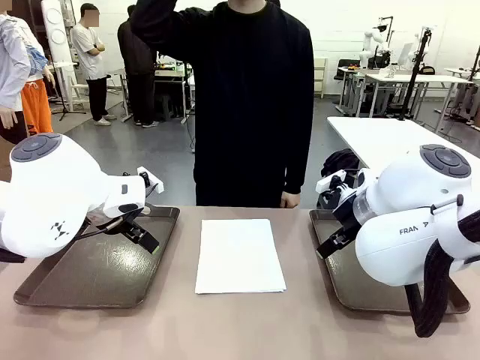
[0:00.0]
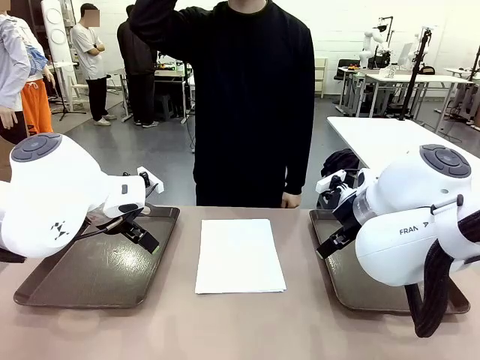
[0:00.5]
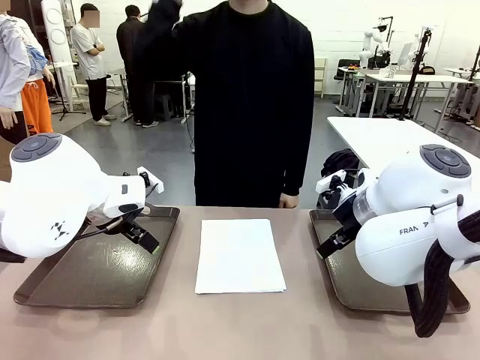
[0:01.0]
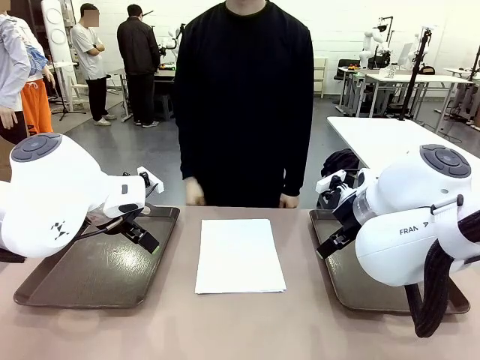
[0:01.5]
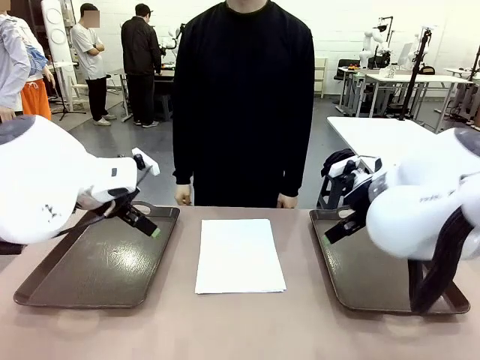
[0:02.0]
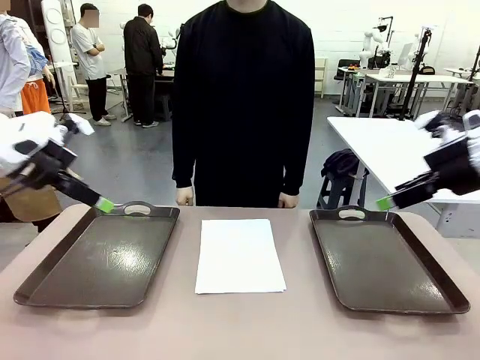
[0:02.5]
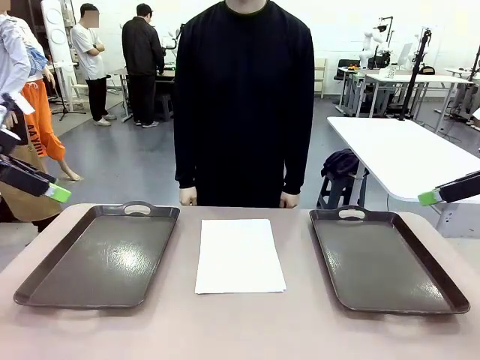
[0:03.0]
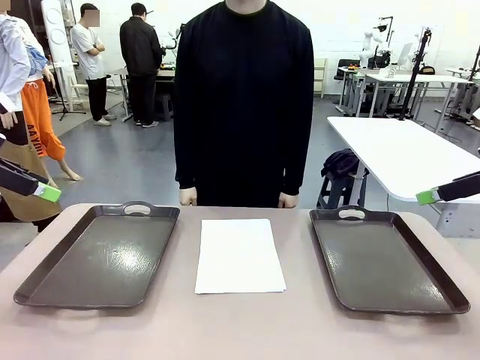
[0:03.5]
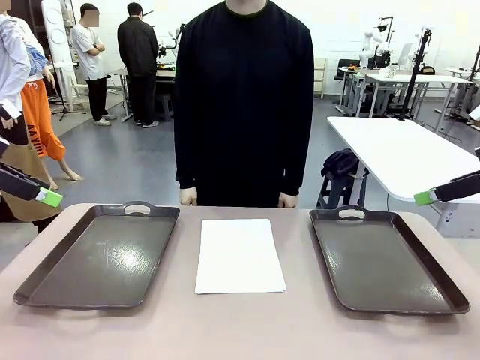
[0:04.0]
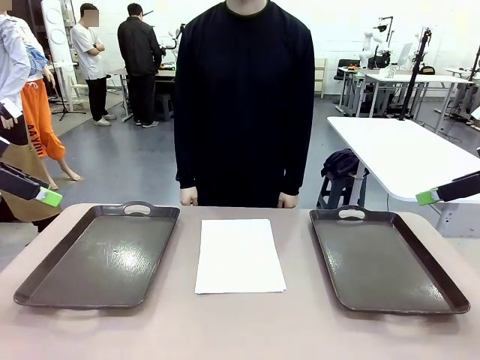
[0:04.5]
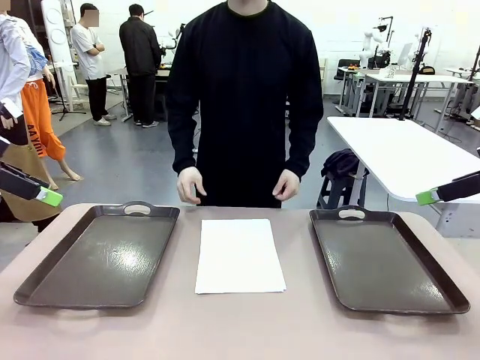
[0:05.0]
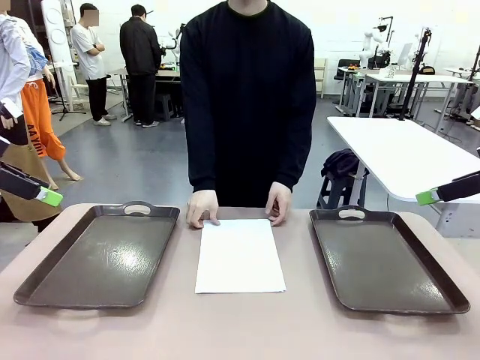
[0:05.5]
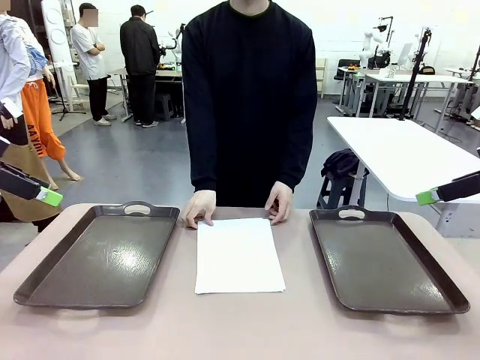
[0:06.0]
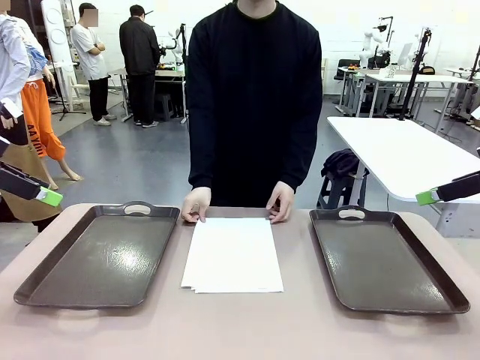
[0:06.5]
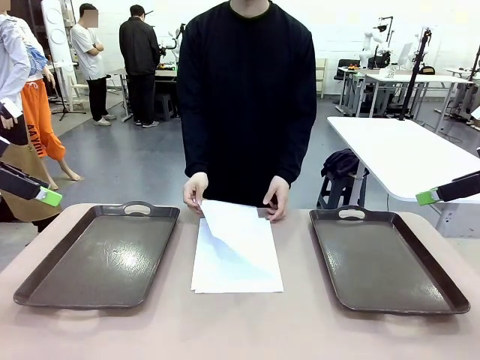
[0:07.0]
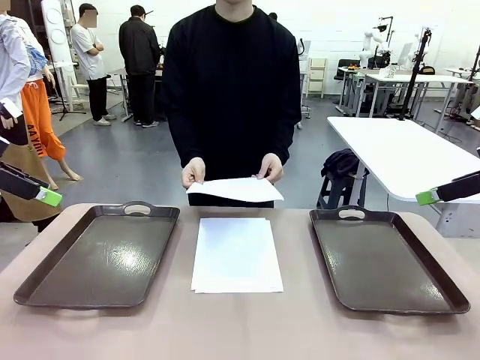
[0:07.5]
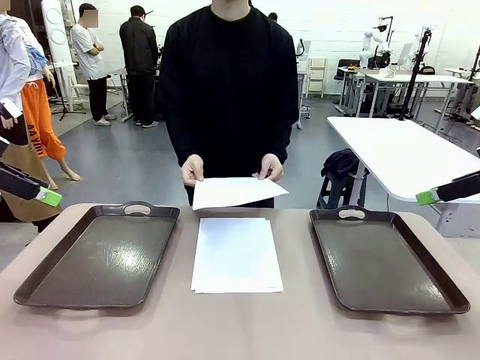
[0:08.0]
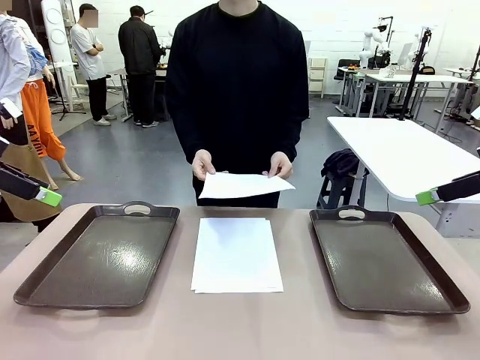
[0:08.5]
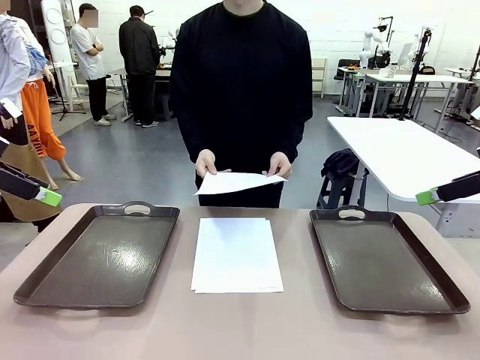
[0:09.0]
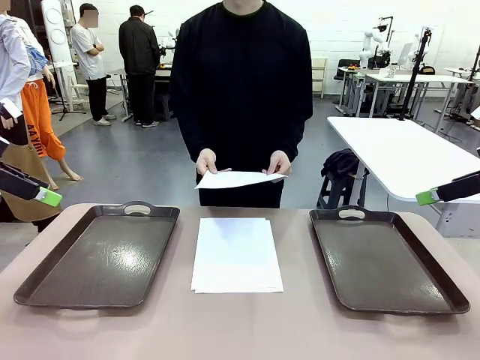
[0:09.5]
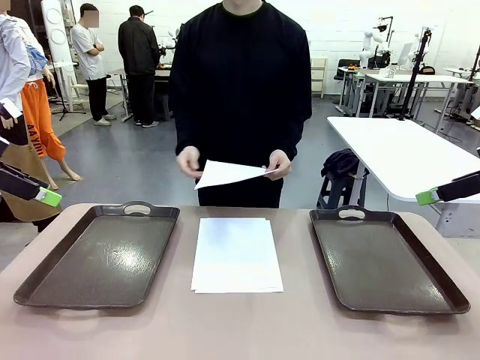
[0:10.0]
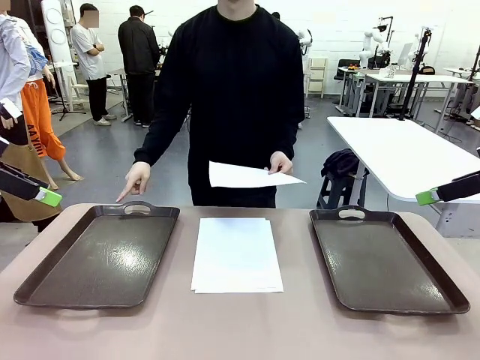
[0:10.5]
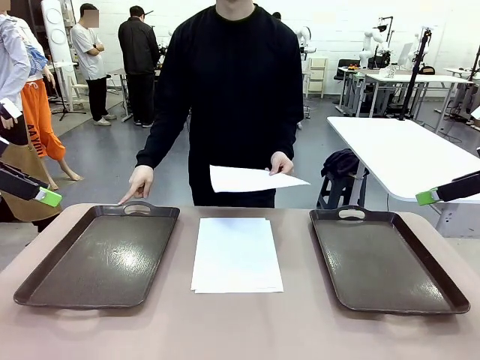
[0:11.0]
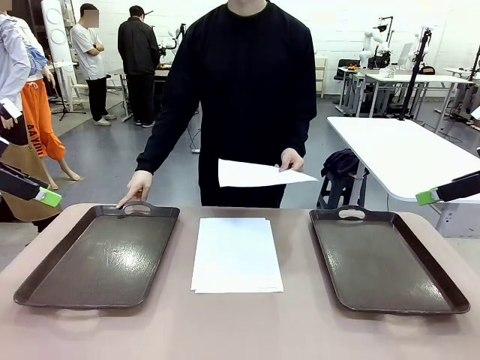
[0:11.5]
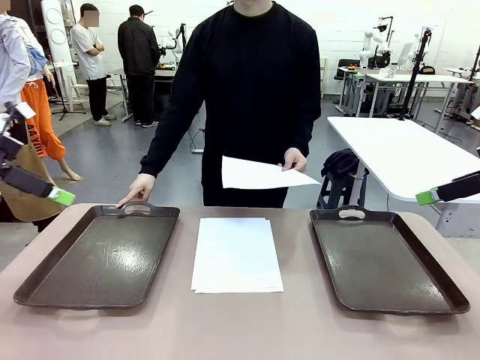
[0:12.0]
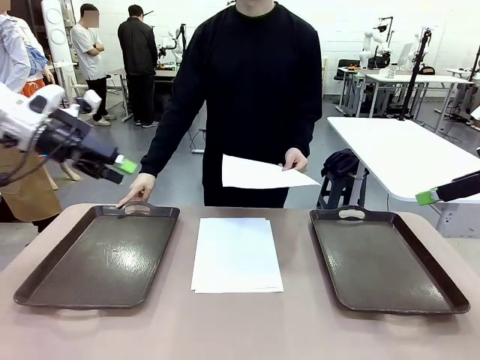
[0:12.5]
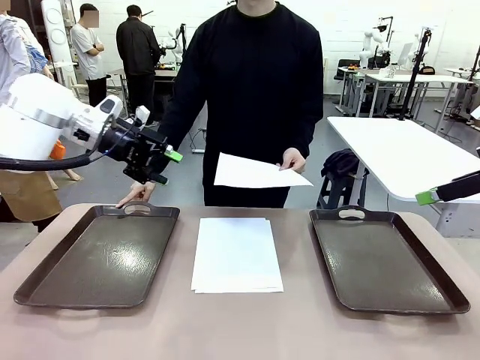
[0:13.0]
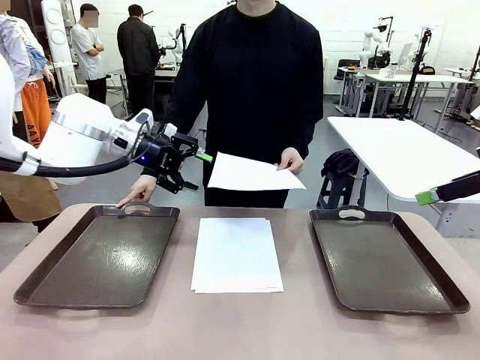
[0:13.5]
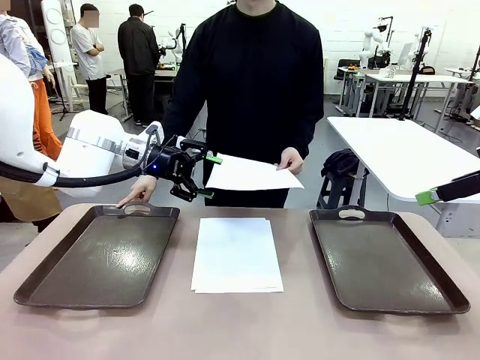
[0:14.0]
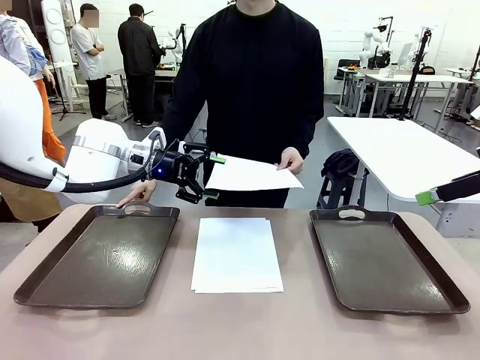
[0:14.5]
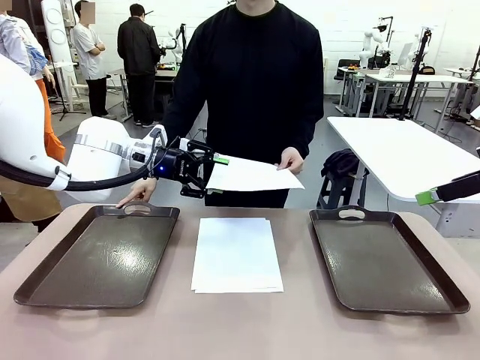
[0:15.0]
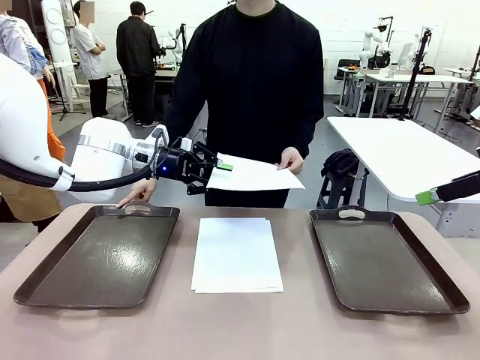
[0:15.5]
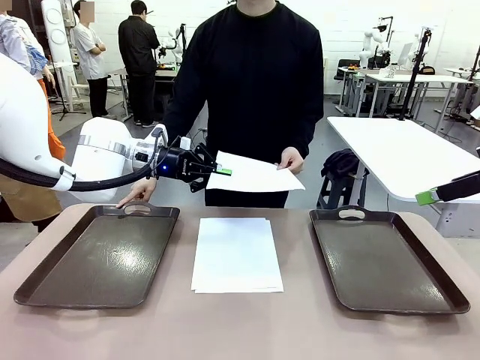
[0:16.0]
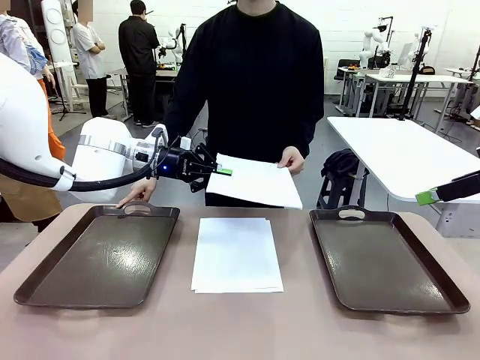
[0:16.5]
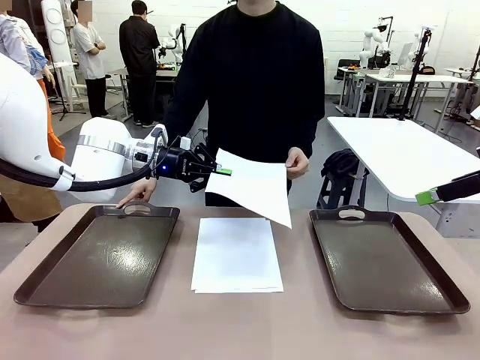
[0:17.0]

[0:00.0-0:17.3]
Task: Sort the A4 documents.
Robot: Receive the A4 Paper.
Person: Pick up a sheet of paper from the center of the table and hand it to the robot. Point the randomly selected tray with the other hand.

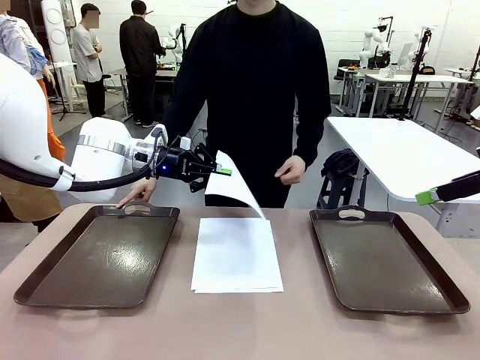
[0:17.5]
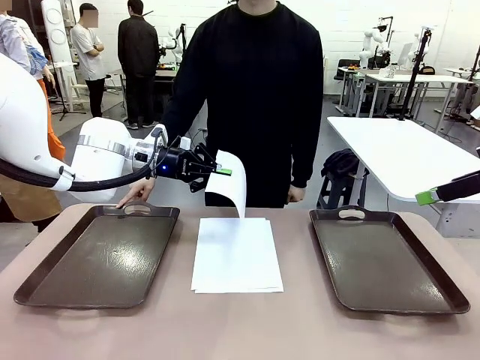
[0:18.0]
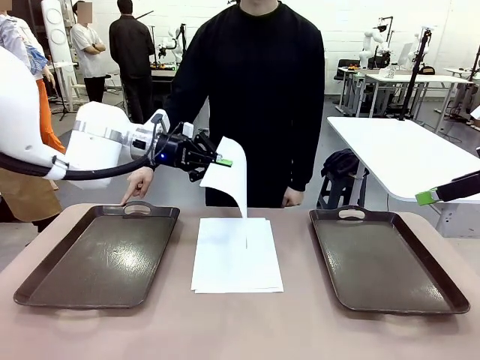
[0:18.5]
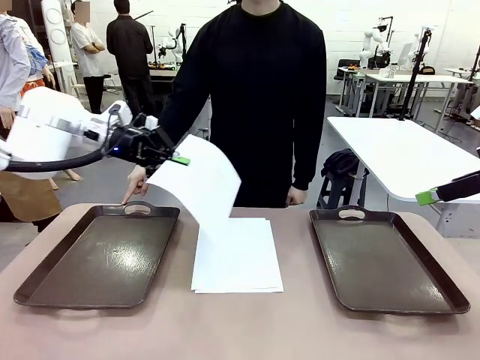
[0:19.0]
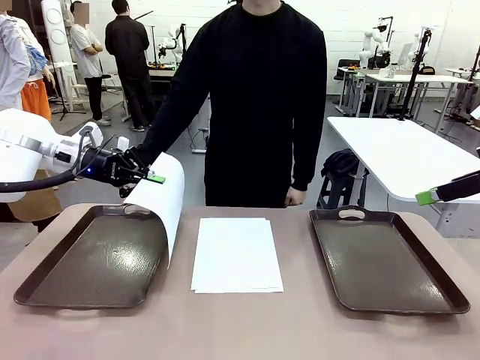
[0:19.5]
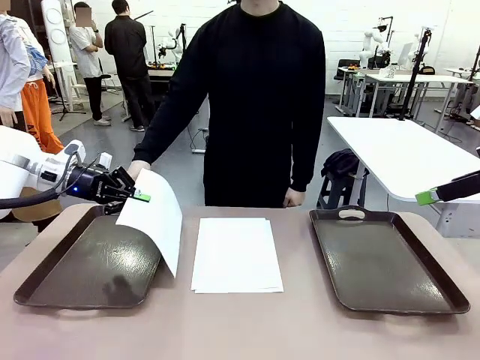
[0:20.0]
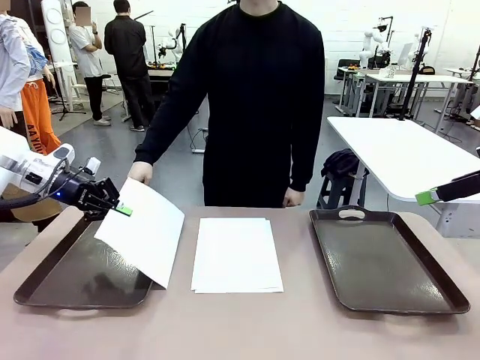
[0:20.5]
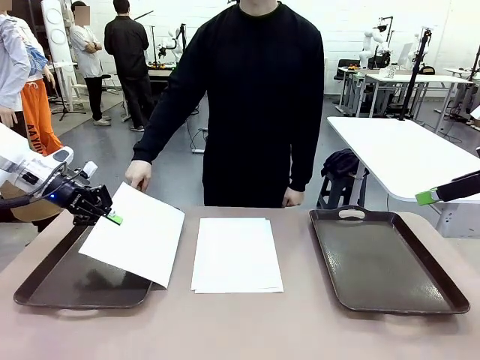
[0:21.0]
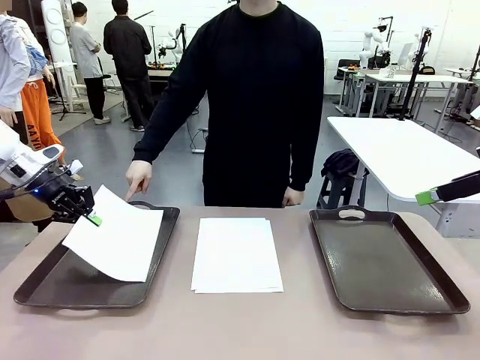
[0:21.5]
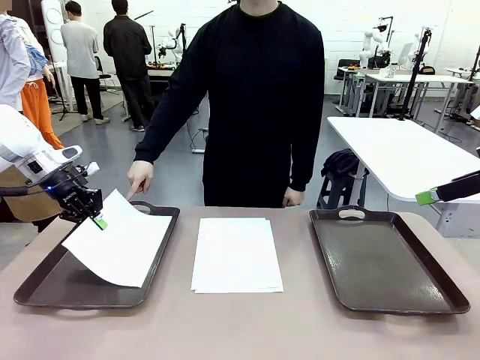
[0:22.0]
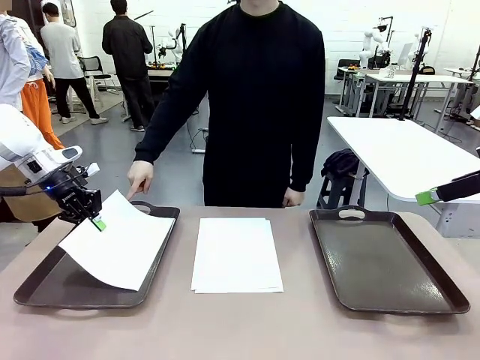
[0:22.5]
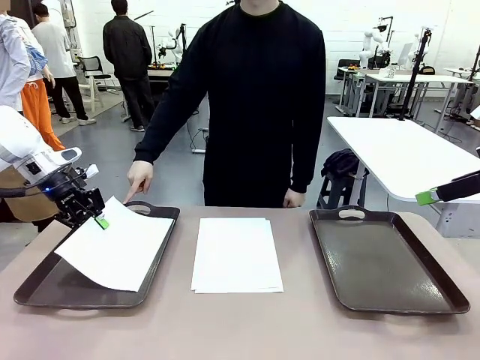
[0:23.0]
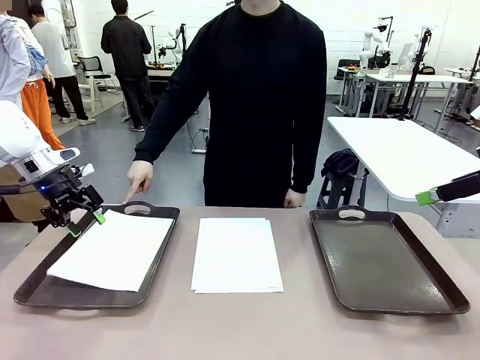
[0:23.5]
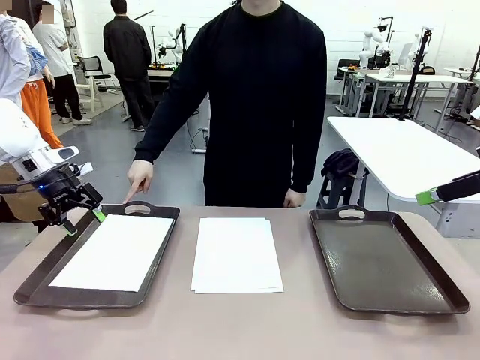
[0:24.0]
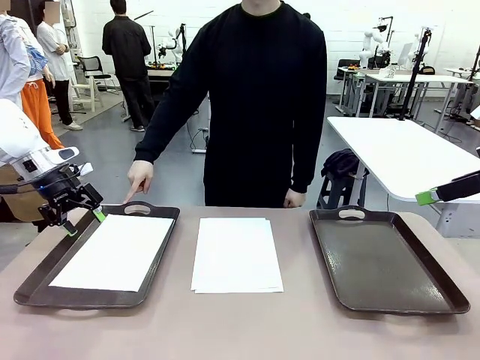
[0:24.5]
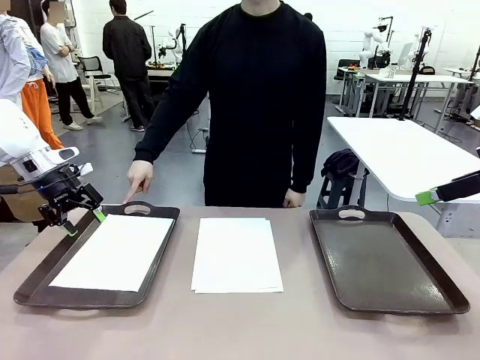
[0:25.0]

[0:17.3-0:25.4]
Robot: Place the A4 Paper in the designated Handle tray.
